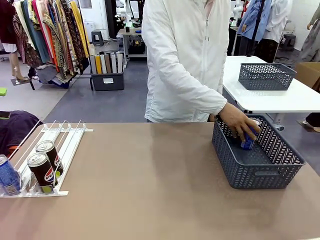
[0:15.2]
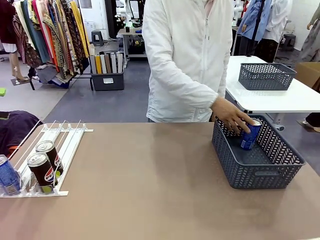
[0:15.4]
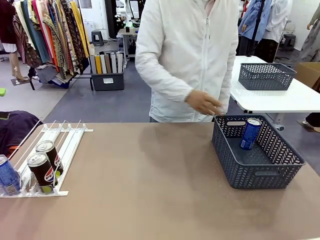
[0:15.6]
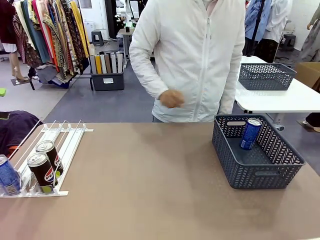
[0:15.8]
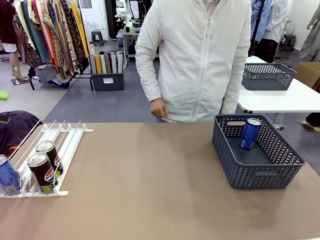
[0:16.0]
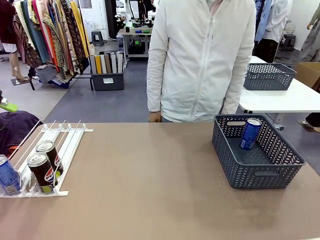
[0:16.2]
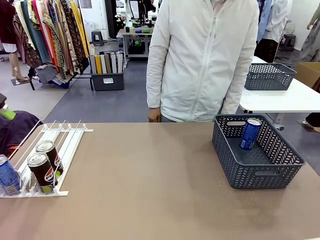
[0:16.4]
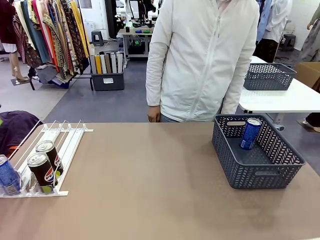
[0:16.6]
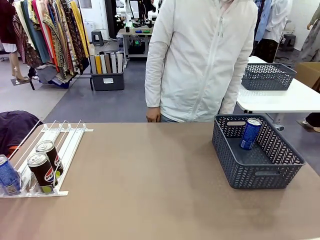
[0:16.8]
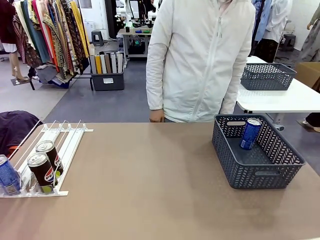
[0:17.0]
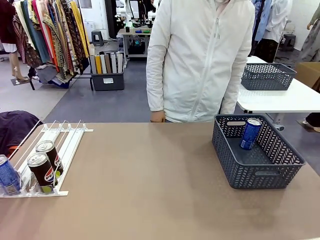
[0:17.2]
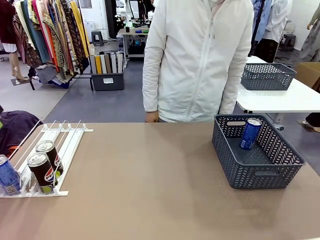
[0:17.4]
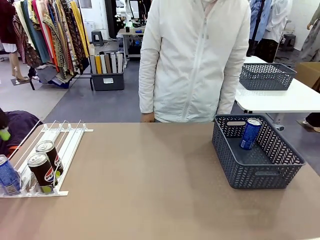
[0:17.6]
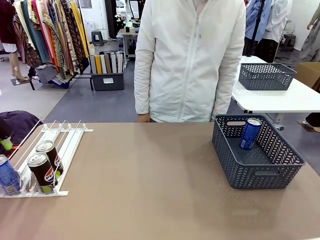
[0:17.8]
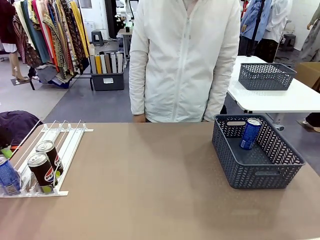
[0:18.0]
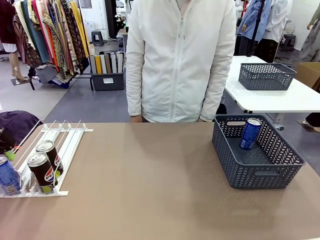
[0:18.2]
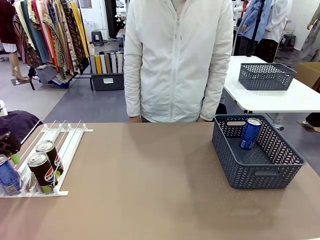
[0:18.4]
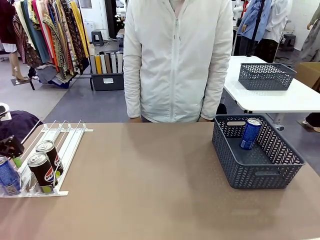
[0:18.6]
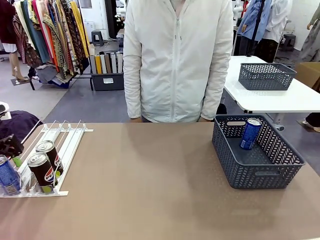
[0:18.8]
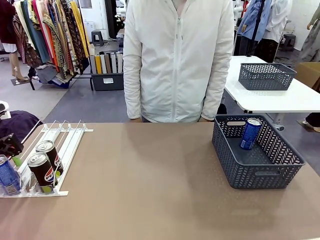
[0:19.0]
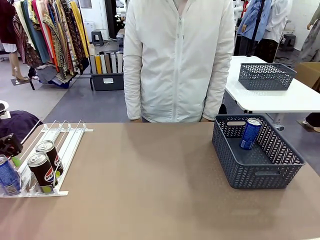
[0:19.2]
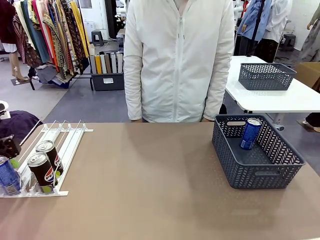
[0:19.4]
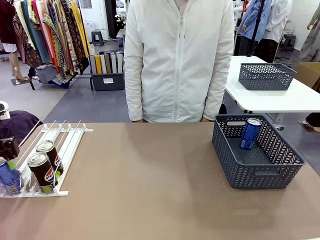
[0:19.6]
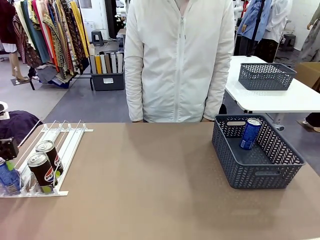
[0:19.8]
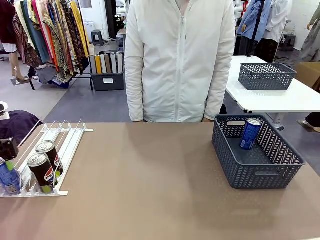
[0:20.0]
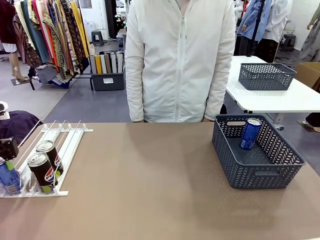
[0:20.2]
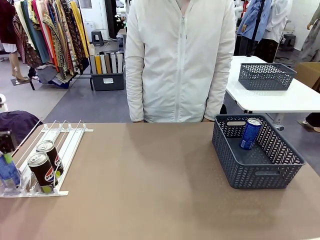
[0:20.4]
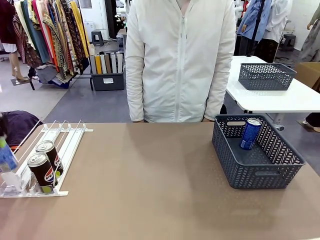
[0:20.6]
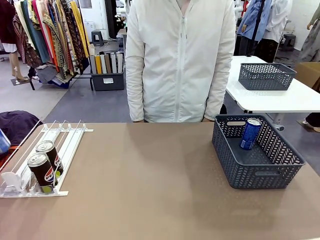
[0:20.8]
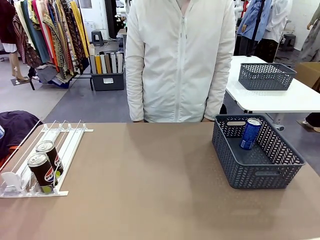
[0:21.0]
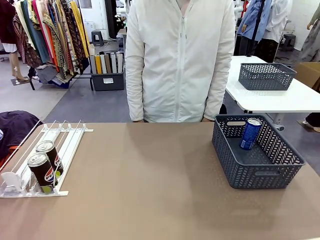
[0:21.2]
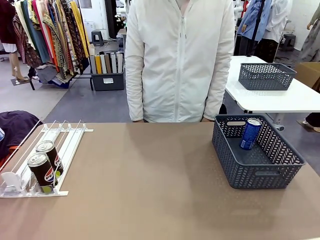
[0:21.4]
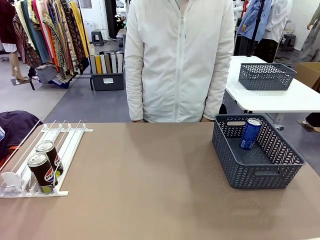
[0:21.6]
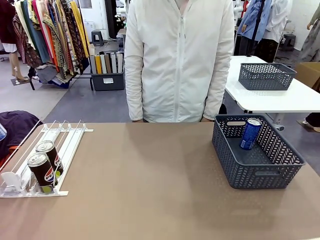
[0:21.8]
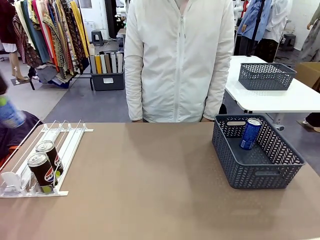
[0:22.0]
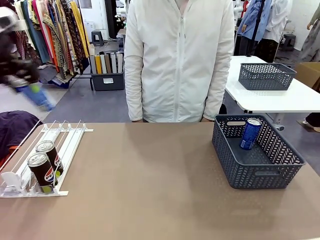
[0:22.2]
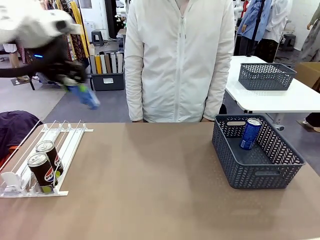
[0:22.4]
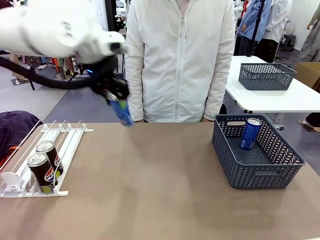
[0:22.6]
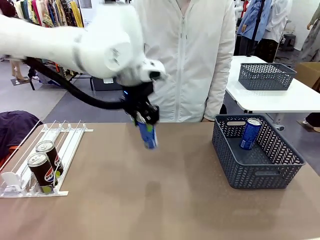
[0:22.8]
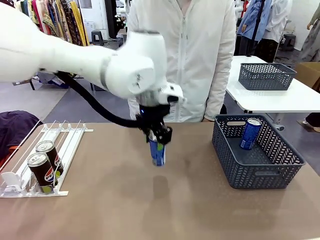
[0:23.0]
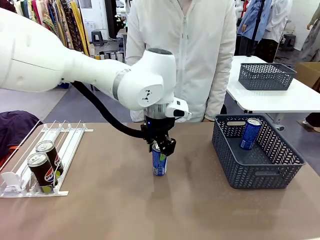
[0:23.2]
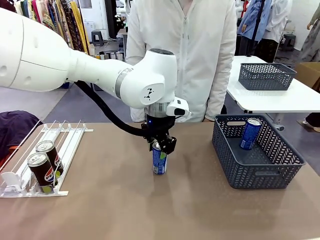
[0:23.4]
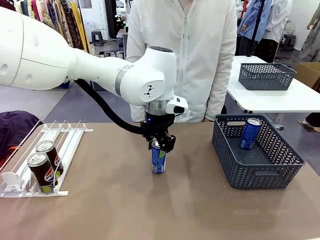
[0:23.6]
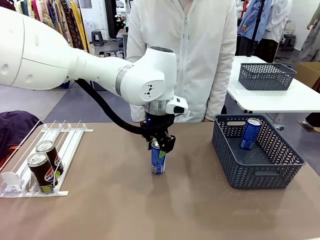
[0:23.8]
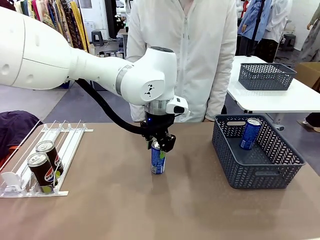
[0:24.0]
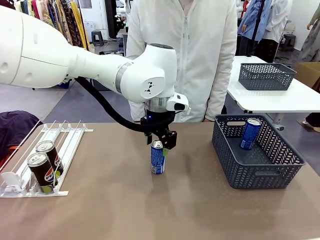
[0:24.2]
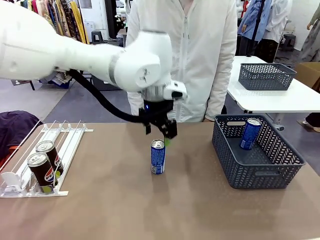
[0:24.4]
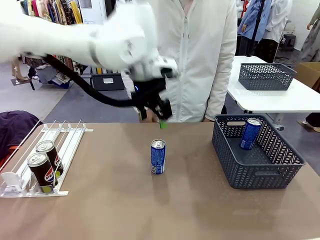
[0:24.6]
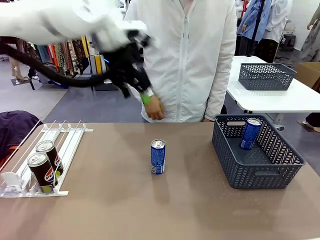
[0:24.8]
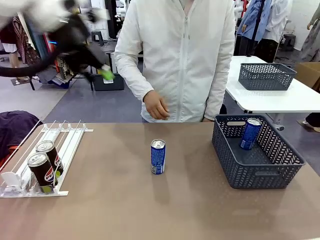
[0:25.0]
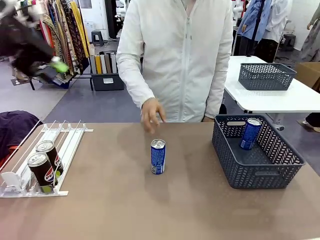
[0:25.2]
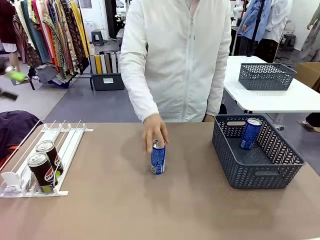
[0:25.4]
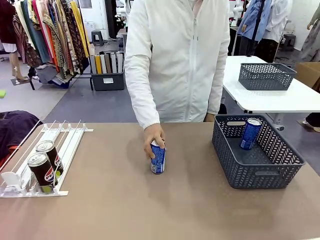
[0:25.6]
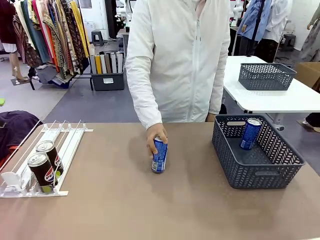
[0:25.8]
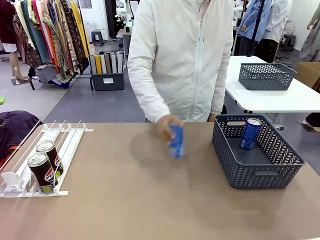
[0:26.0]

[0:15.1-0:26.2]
Task: Retrieve and store the cans from the dispenser.
Robot: Pick up the last remaining can from one row of the Automatic Can Dispenser and place it in the middle of the table.
Person: Pick up one Pepsi can from the middle of the robot table and place it in the basket.

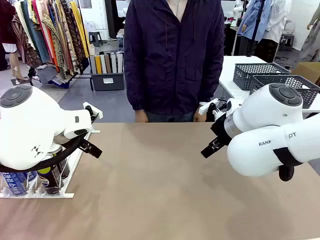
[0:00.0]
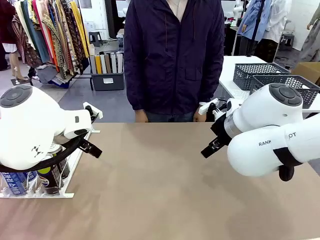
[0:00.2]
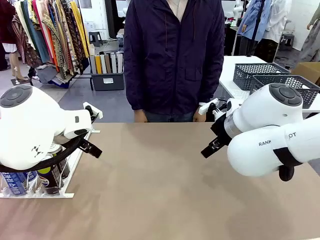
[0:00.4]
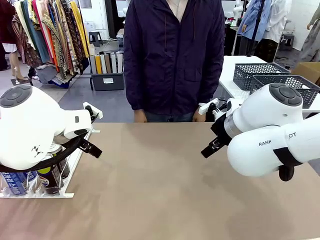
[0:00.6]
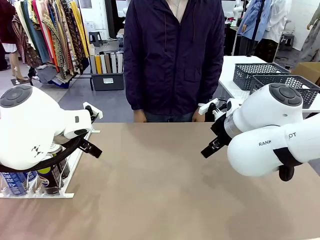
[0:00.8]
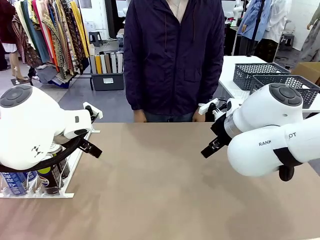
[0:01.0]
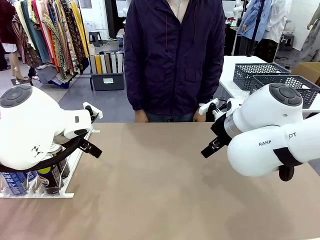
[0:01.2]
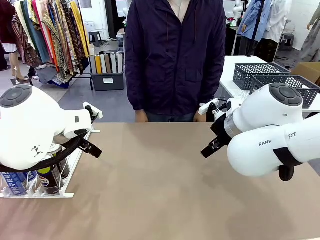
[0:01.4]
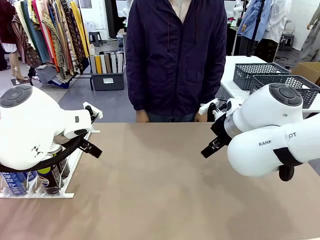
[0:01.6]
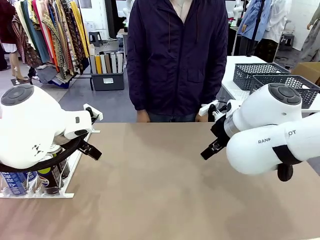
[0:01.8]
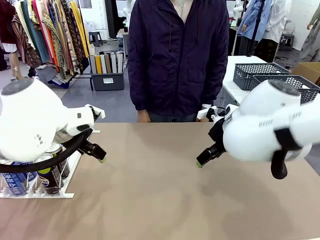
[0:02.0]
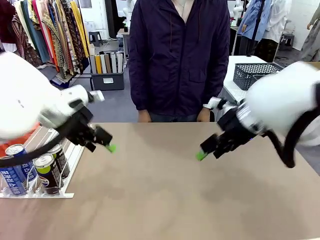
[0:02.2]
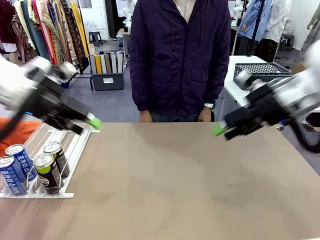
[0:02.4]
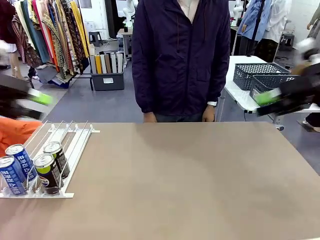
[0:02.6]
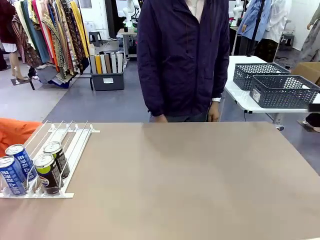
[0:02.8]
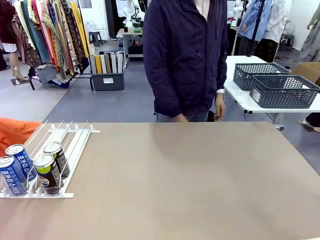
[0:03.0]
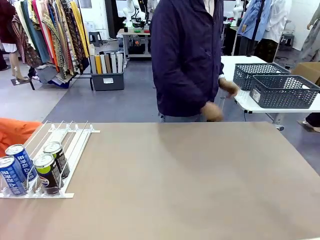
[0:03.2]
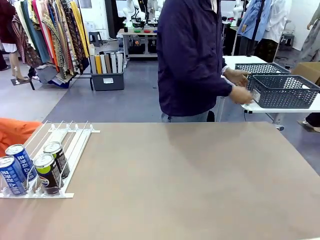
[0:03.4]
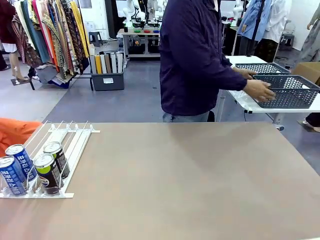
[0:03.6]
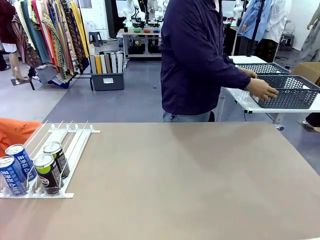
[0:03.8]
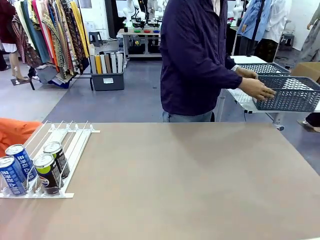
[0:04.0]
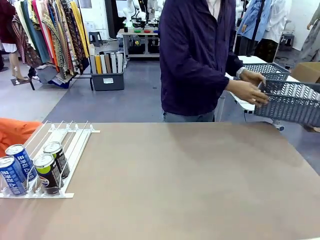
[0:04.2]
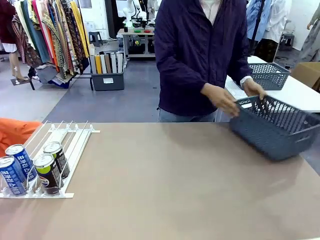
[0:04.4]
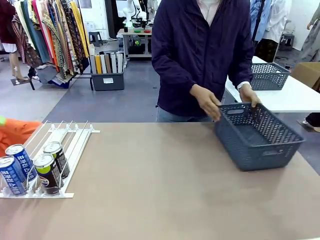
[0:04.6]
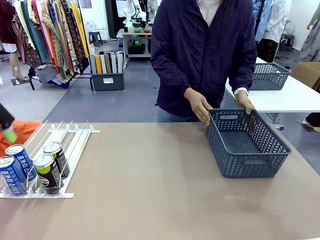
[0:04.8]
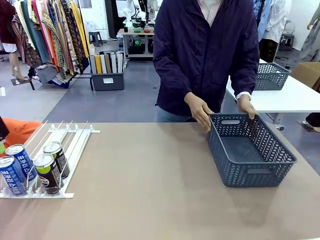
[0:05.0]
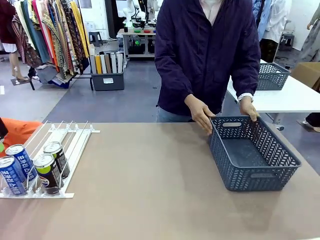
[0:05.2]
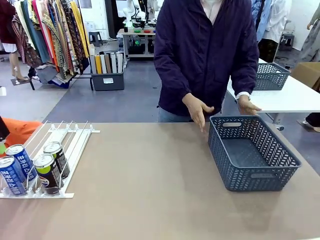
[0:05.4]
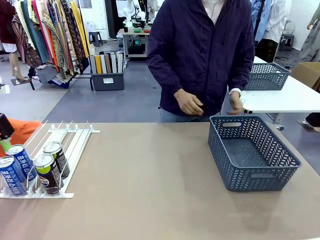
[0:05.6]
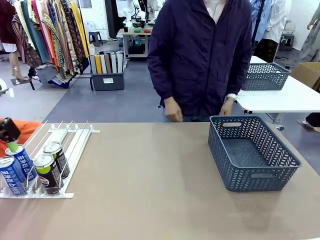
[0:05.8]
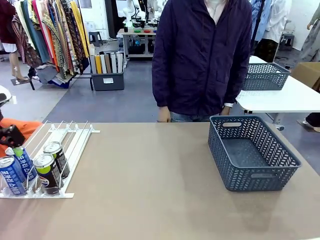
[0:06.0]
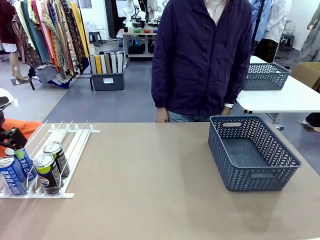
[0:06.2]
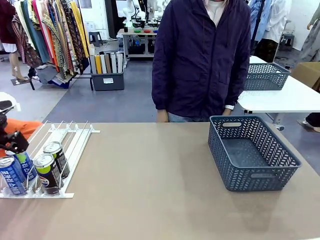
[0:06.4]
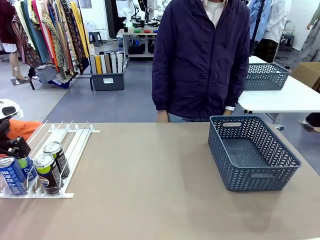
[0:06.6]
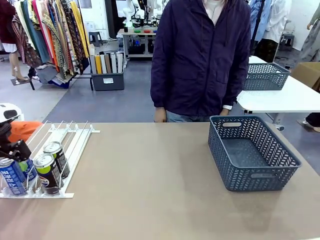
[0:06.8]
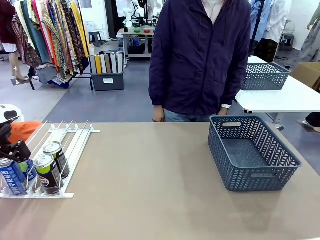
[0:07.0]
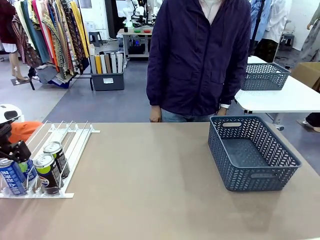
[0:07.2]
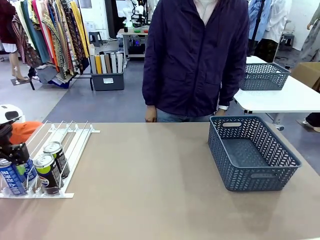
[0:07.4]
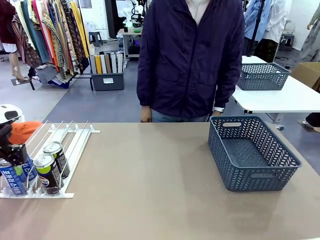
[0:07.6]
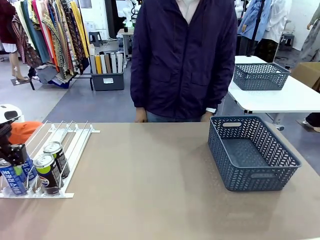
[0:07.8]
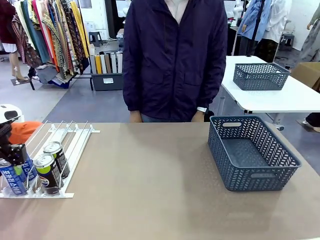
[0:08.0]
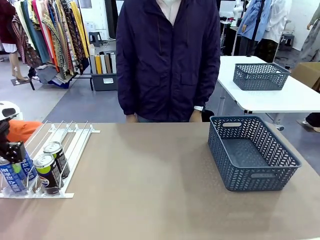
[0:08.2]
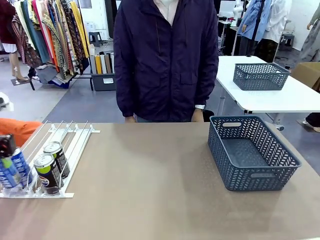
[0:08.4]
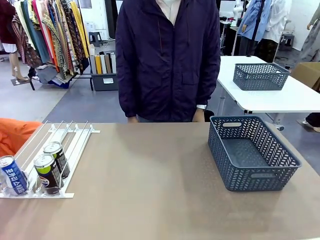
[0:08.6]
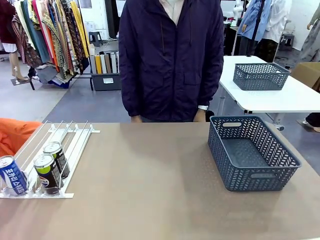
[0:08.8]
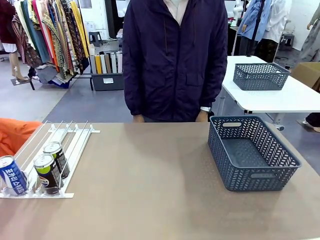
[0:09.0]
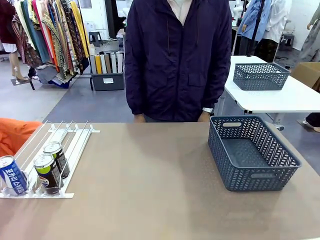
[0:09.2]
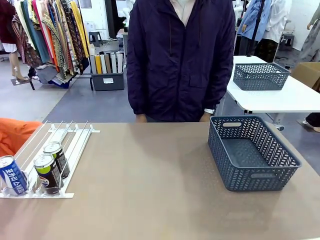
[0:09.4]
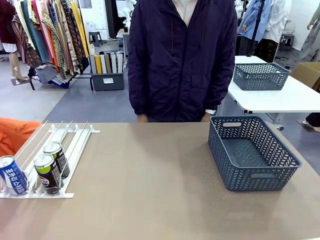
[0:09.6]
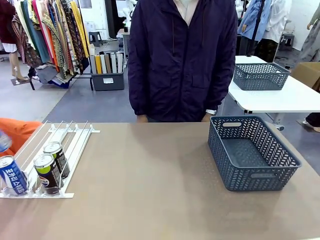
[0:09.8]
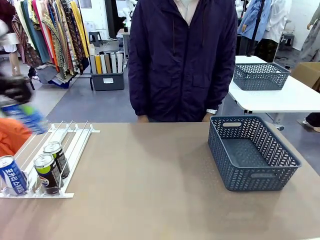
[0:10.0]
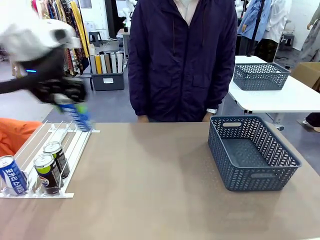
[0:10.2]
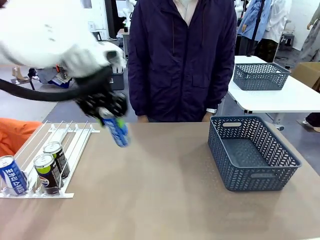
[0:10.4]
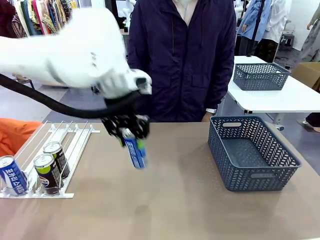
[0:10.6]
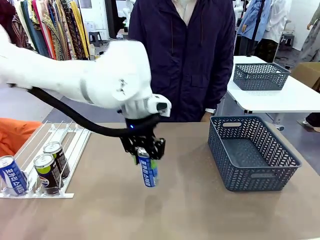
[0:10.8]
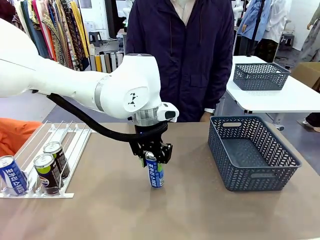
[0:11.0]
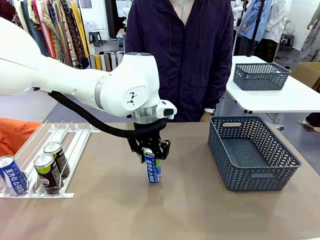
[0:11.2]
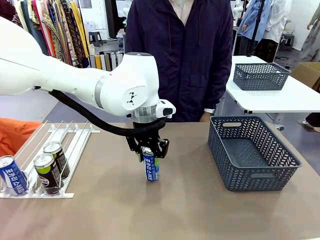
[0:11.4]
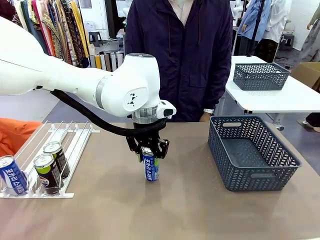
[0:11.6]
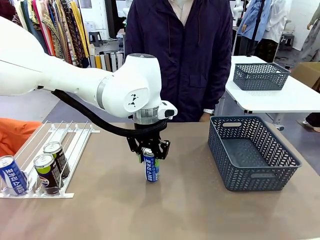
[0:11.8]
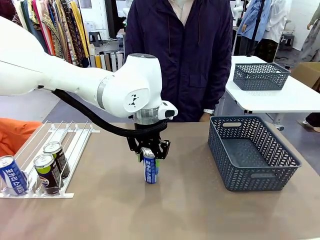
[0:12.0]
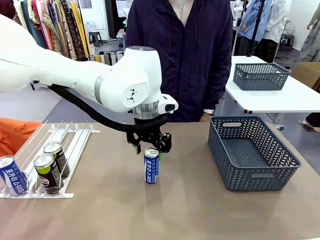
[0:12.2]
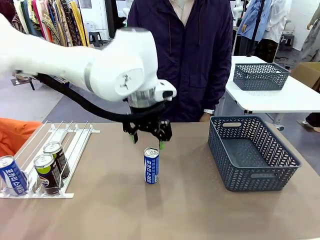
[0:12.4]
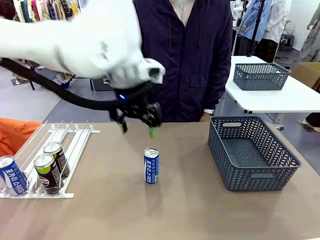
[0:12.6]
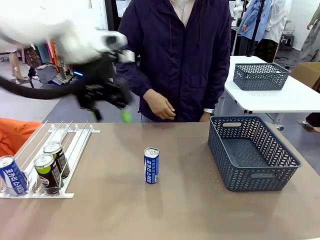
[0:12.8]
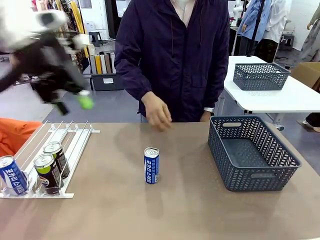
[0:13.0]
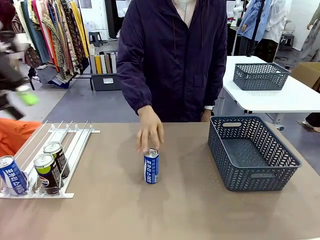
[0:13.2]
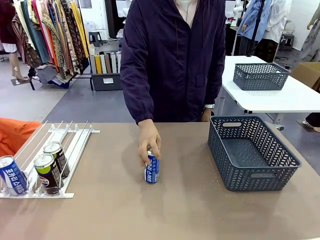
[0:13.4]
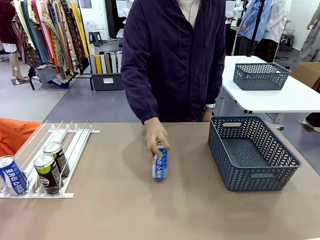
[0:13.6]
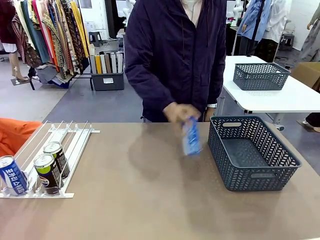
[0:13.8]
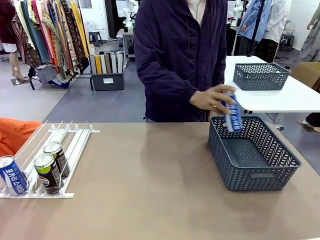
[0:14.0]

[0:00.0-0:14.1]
Task: Retrieve and store the cans from the dispenser.
Robot: Pick up one can from the Automatic Can Dispenser and place it in the middle of the table.
Person: Pick up the basket and place it on the left side of the robot table.
